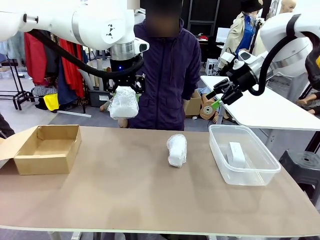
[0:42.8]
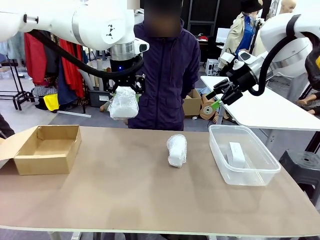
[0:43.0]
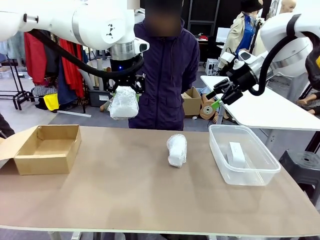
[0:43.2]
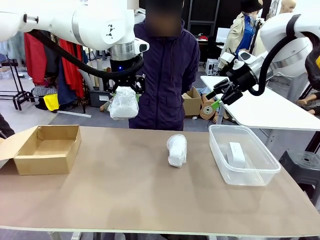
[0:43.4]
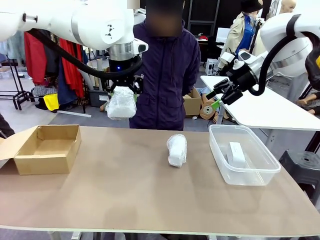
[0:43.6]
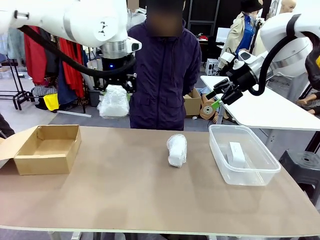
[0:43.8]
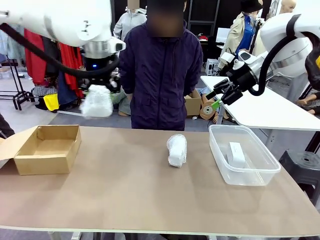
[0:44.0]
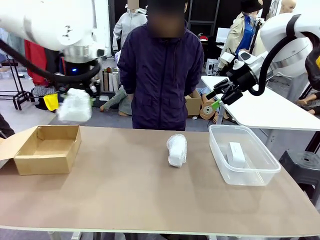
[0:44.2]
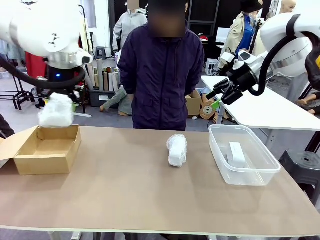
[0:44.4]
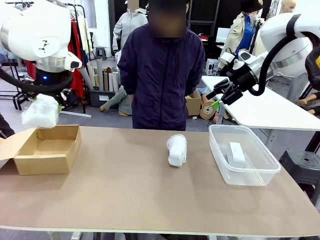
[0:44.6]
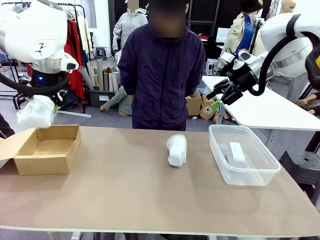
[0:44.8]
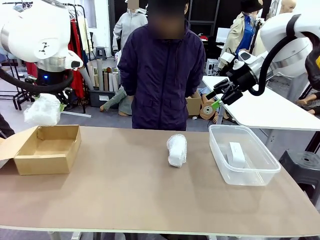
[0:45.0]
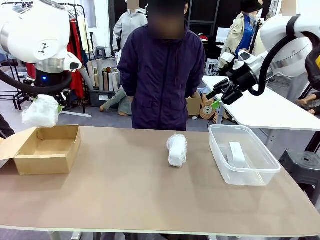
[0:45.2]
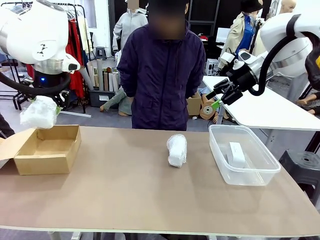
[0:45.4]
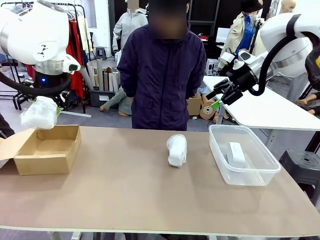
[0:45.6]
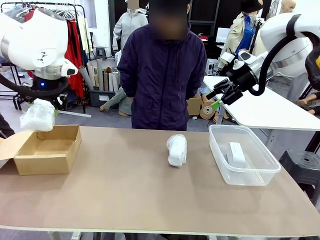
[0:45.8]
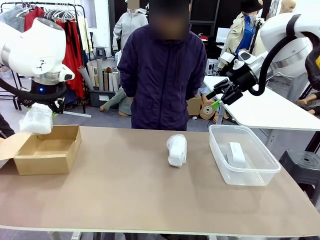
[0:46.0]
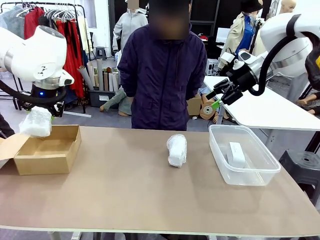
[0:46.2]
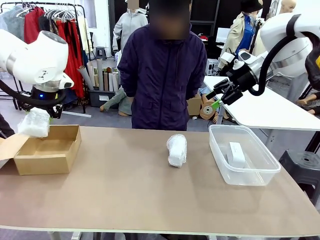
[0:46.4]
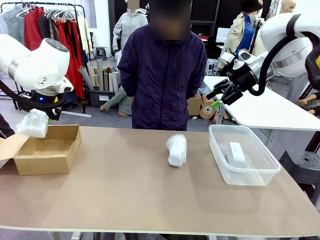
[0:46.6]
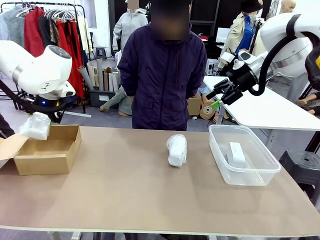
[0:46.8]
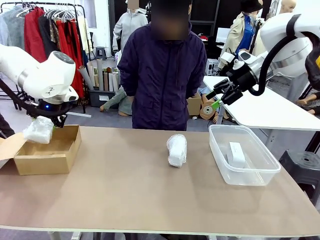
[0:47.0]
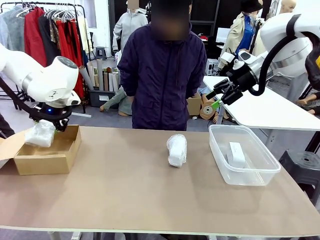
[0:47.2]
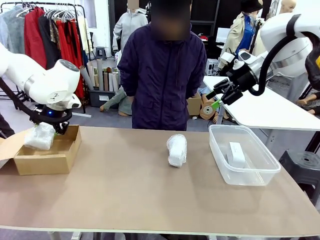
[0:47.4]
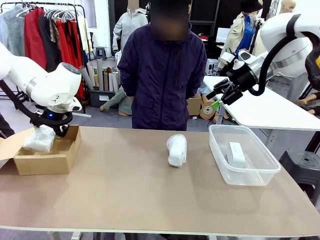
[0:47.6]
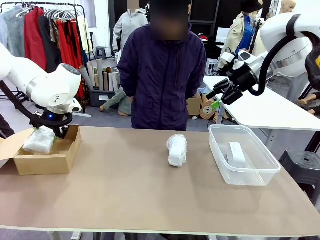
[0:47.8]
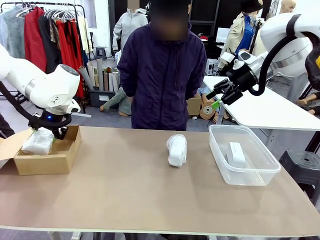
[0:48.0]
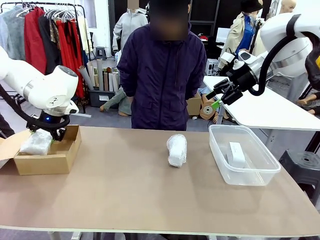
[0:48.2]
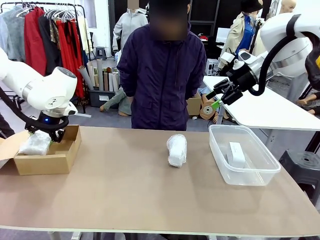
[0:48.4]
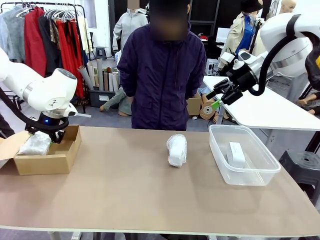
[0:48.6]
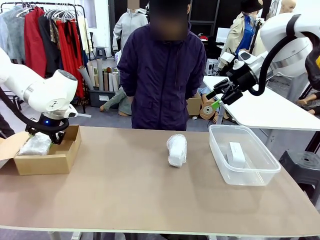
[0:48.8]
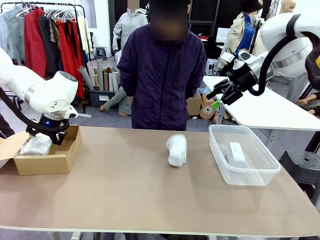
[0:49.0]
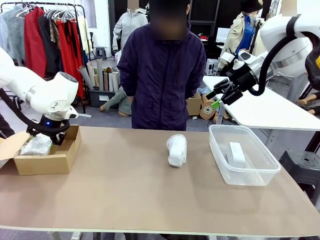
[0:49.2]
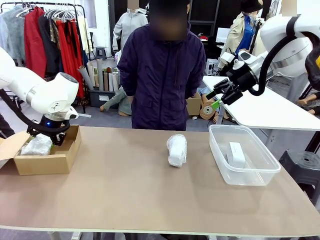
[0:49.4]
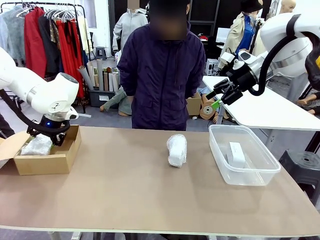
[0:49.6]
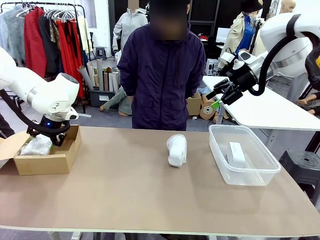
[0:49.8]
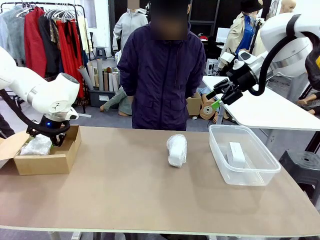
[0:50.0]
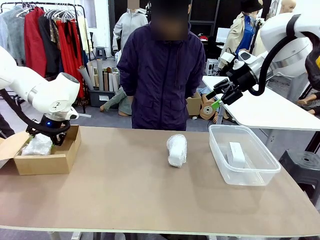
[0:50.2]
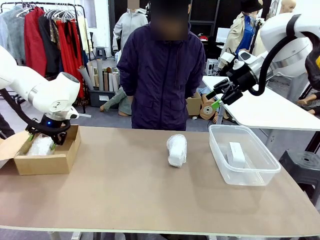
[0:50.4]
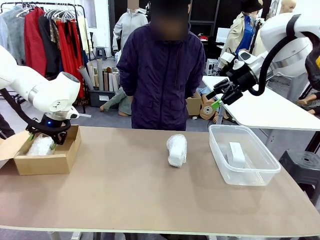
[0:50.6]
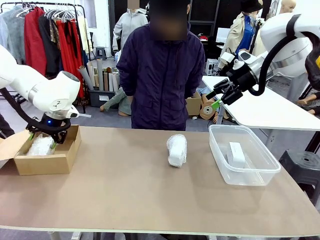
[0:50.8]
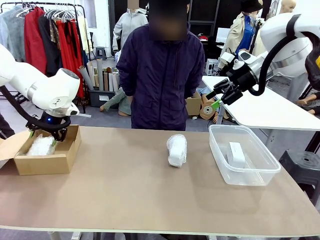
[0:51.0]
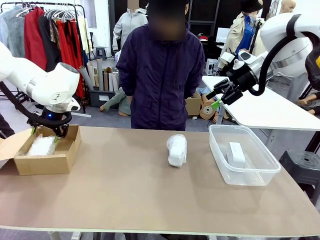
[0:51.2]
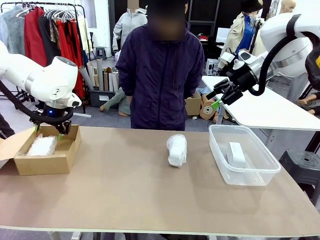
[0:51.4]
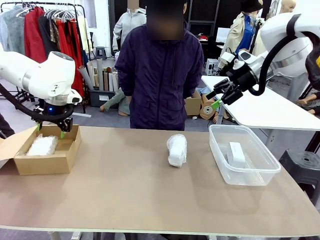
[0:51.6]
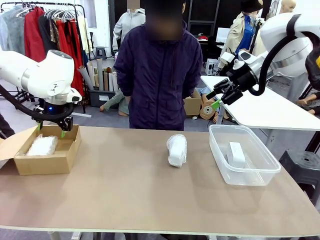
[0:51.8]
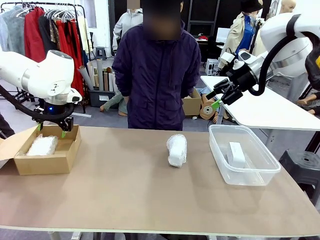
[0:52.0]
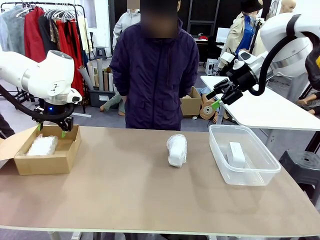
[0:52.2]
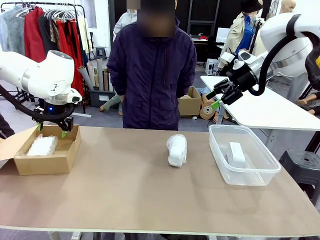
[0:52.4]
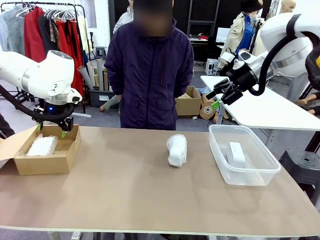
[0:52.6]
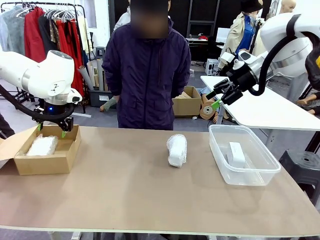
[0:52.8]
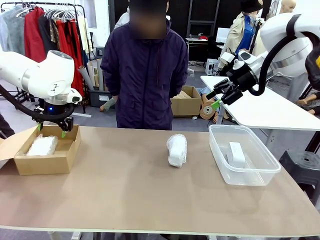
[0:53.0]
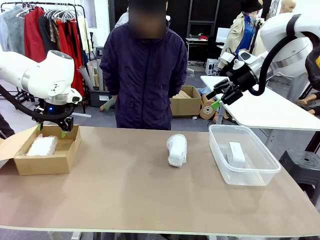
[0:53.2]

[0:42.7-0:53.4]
Task: Separate and place wrapped and unwrapped clocks.
Robot: If the picked Digital clock is wrapped, place it in the Package Box ; if not, place it in the Organizing box.

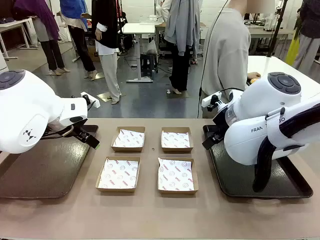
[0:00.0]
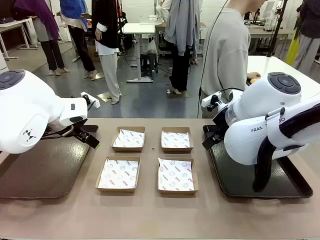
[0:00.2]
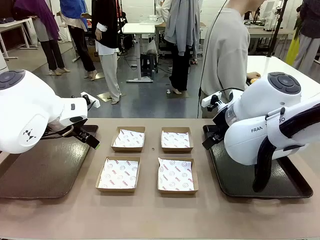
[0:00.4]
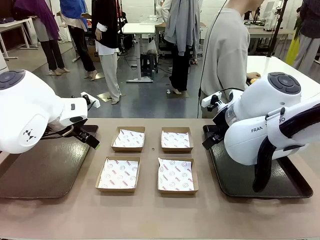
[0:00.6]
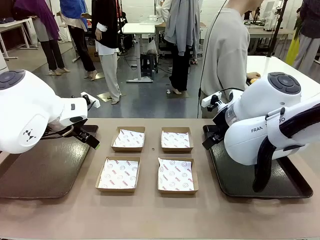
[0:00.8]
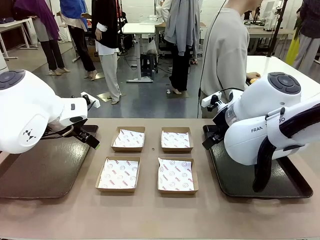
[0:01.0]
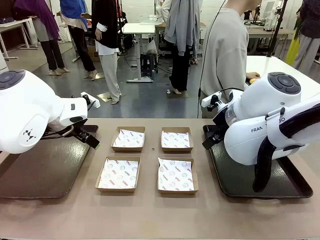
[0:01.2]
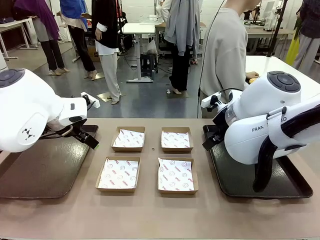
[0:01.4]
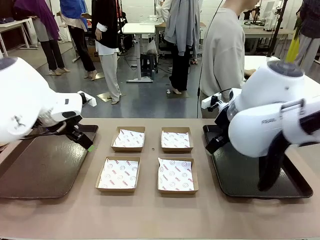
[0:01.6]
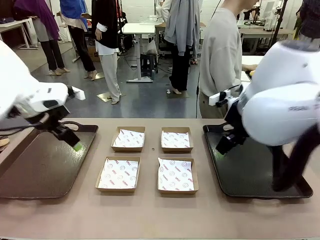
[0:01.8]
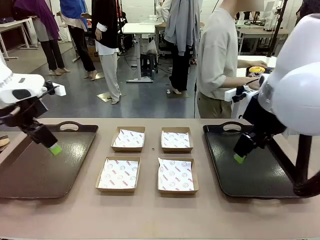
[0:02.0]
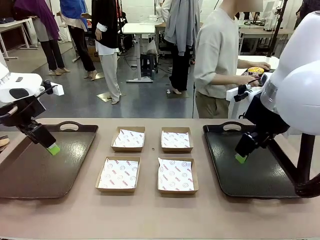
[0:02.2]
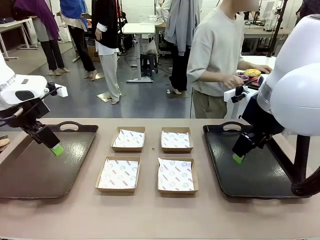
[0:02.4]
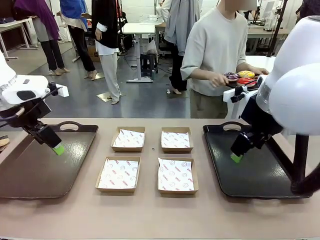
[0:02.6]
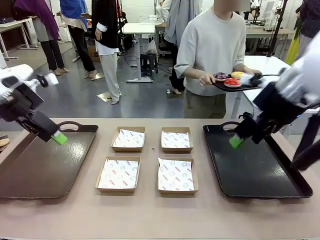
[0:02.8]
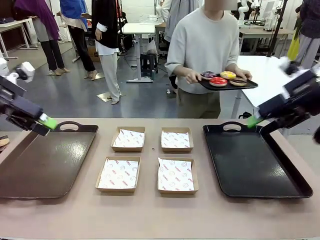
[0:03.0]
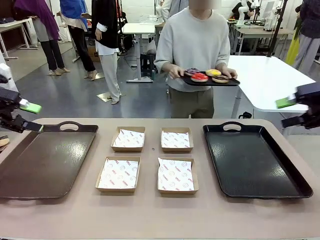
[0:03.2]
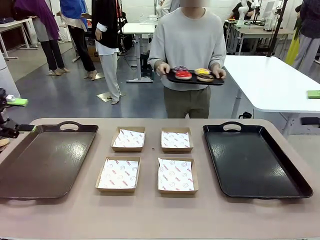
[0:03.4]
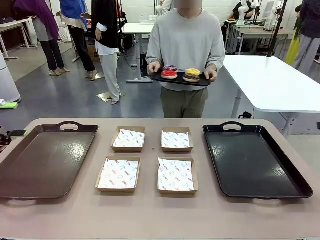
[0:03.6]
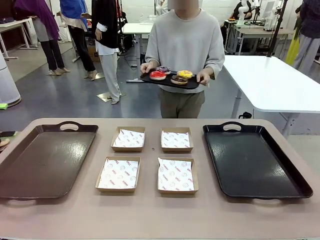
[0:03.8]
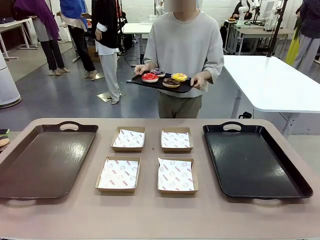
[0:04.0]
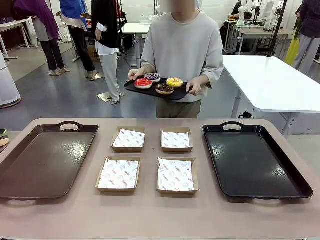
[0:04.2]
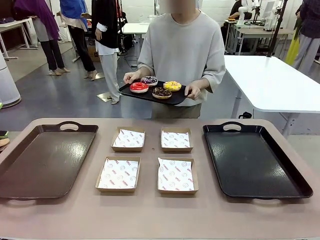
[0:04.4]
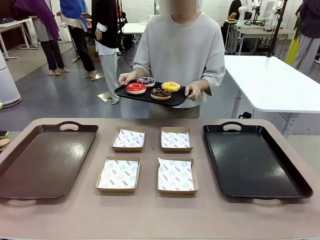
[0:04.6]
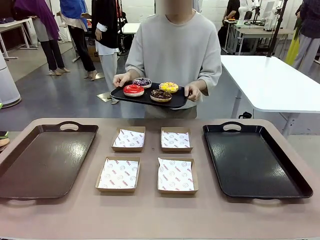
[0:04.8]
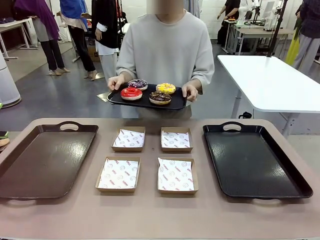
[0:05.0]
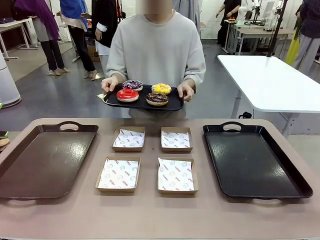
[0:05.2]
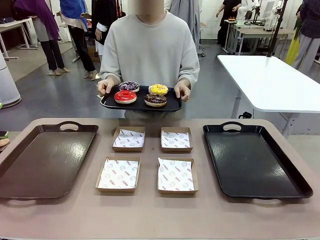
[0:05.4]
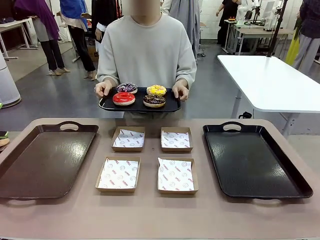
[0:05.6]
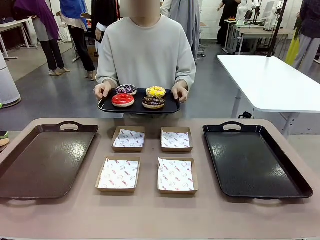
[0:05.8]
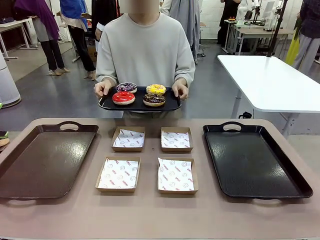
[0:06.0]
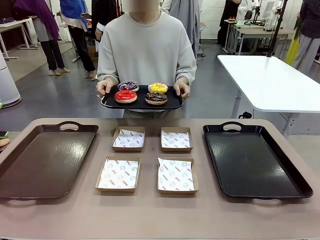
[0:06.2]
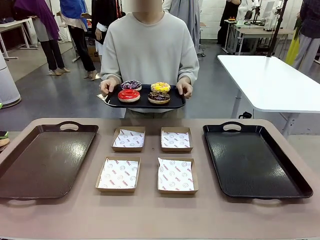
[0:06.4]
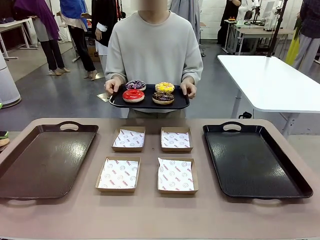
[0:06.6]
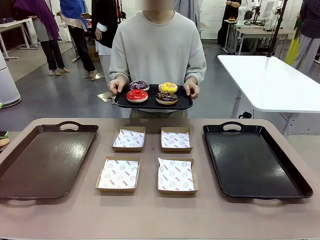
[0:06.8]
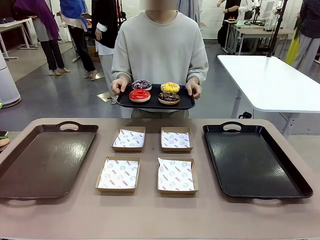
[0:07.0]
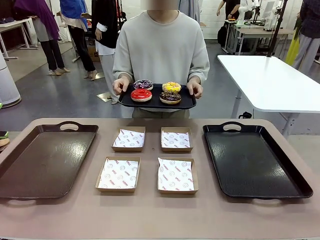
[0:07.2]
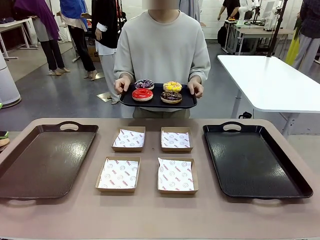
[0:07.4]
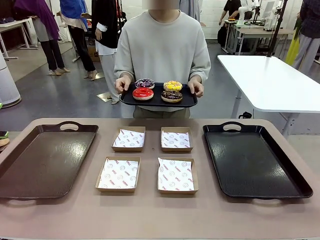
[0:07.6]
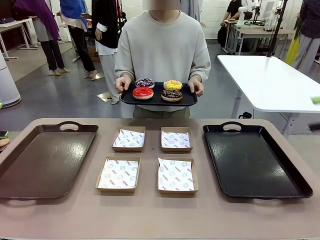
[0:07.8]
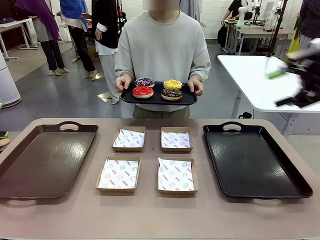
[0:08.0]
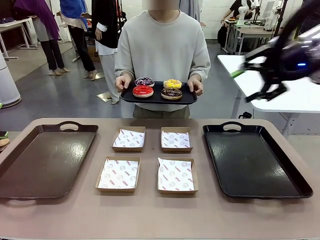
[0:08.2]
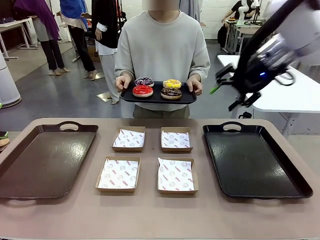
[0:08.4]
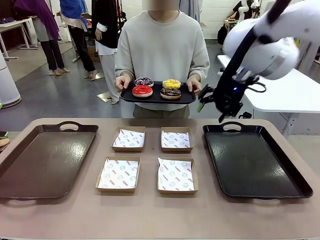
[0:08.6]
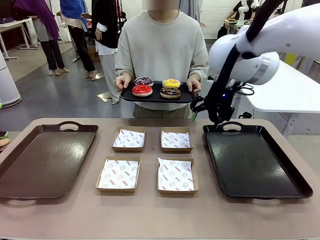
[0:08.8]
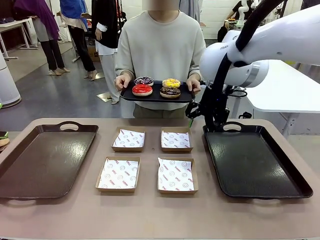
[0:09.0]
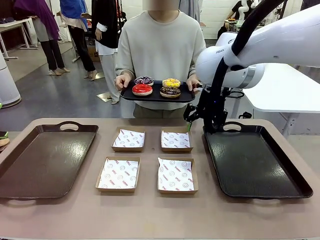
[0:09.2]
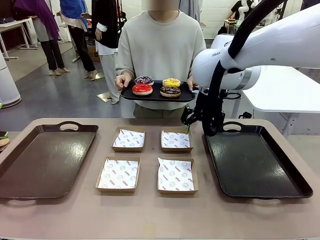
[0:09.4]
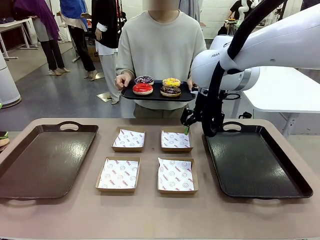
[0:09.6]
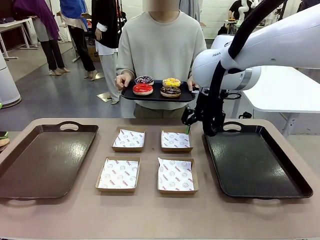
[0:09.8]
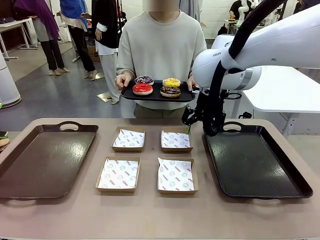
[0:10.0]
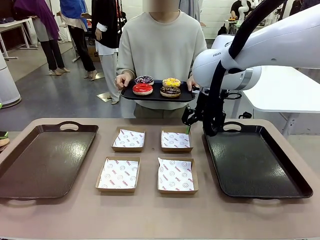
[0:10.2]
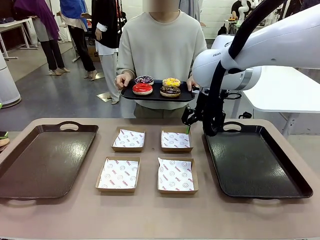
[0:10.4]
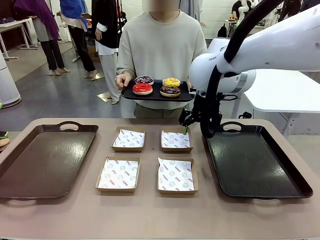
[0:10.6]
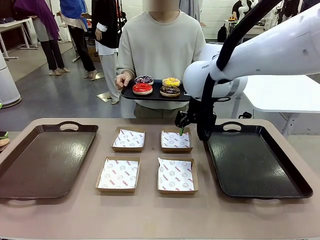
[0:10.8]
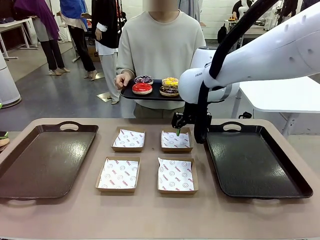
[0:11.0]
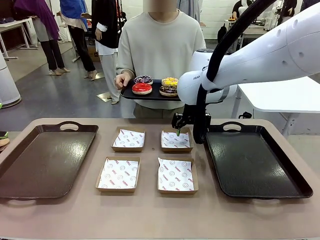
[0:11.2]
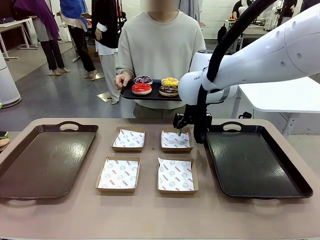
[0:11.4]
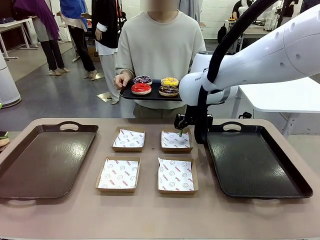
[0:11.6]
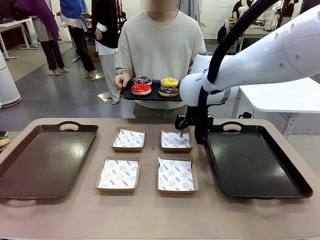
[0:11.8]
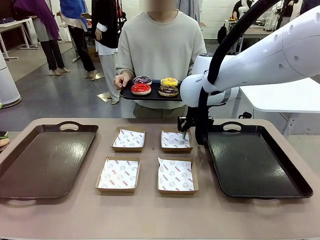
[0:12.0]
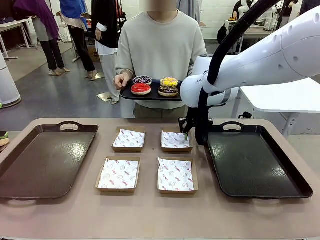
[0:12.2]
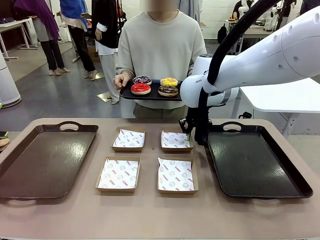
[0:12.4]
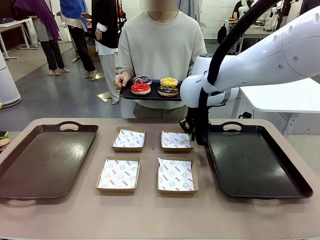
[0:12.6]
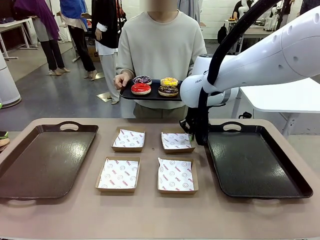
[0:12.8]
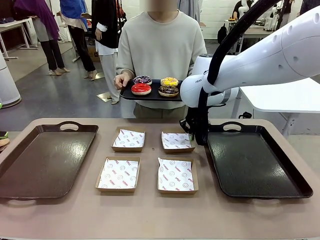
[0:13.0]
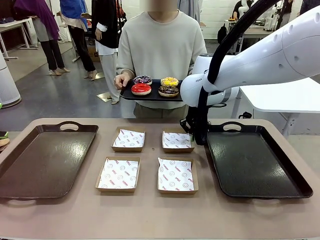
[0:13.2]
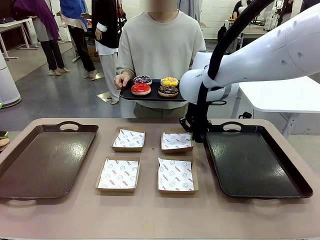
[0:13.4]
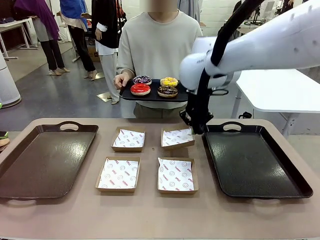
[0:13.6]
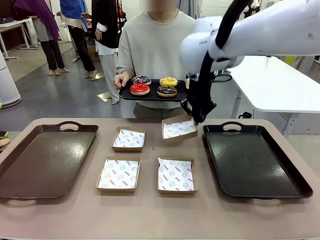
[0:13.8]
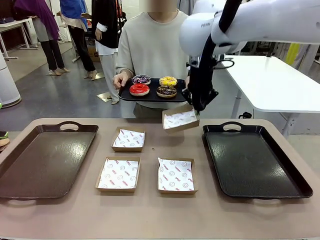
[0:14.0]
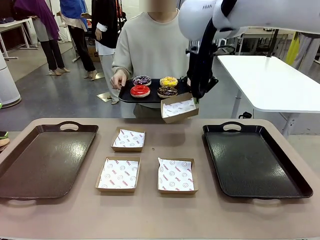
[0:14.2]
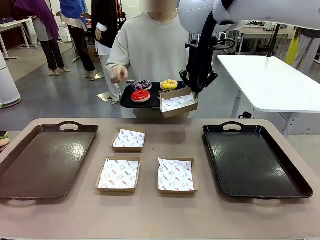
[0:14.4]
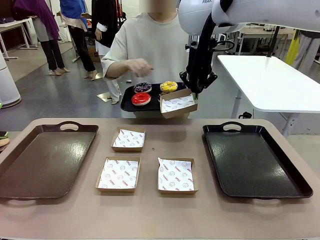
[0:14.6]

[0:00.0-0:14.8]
Task: Individually package the donuts and arrange them on the tray.
Robot: Pick up one Paper togo box.
Person: Stand in front of the robot table holding the tray containing the donuts.
